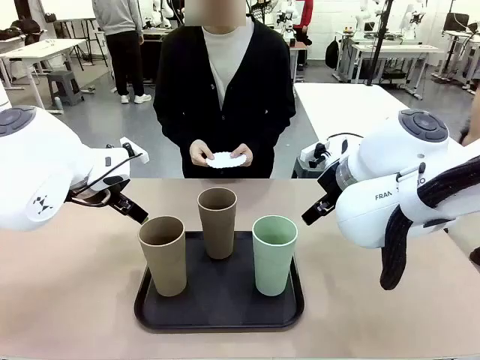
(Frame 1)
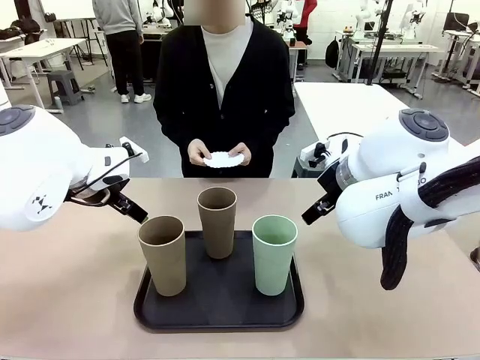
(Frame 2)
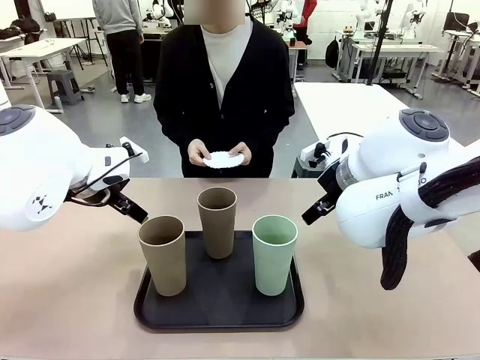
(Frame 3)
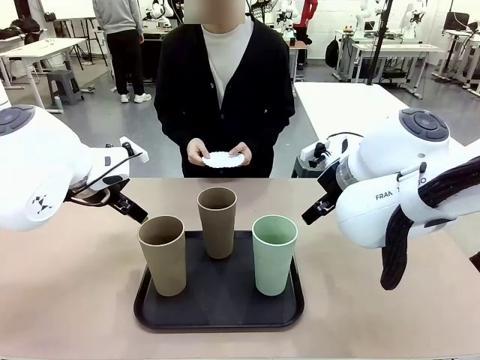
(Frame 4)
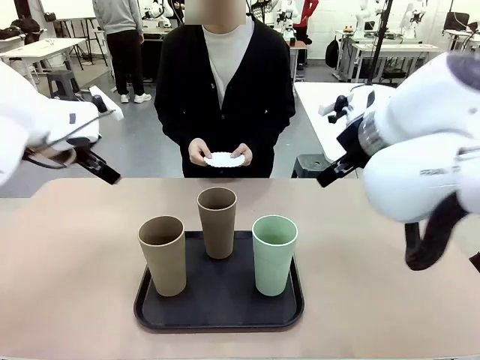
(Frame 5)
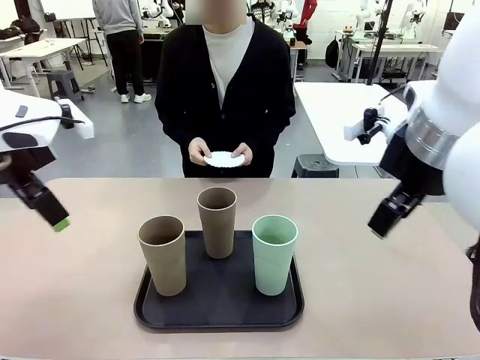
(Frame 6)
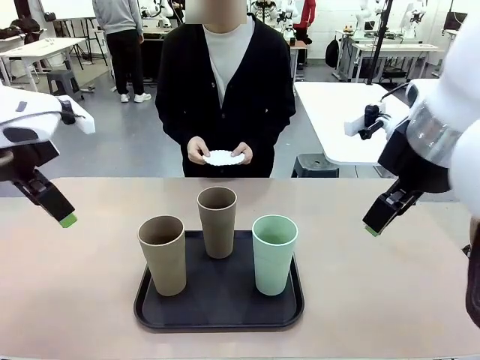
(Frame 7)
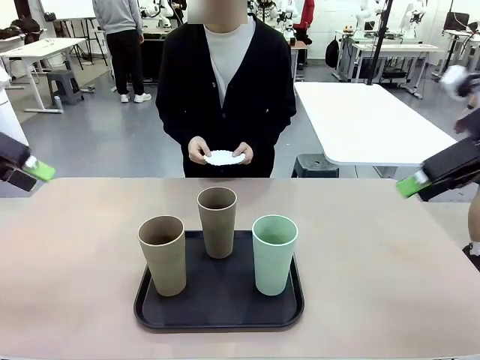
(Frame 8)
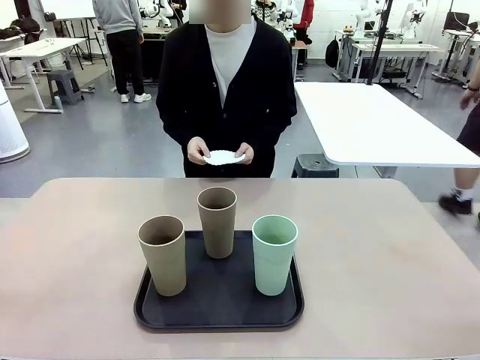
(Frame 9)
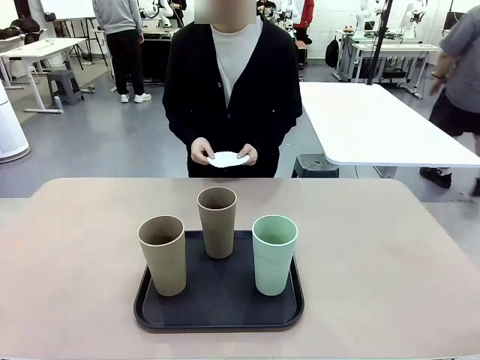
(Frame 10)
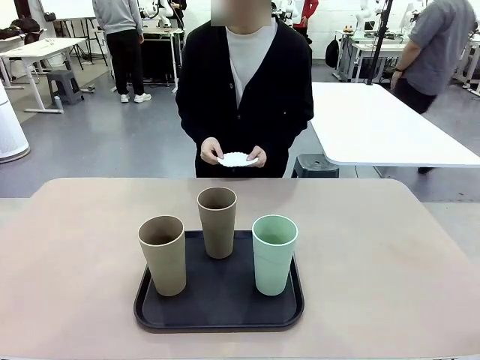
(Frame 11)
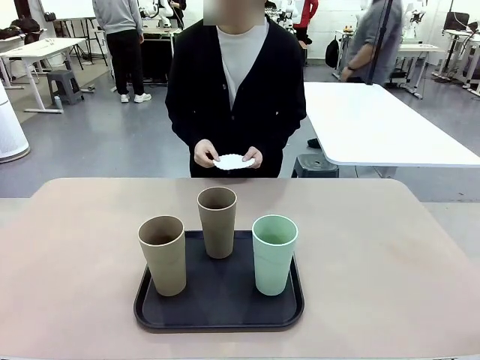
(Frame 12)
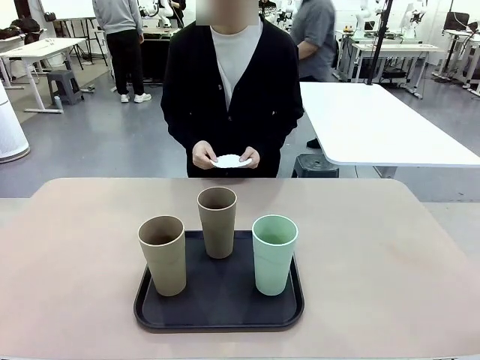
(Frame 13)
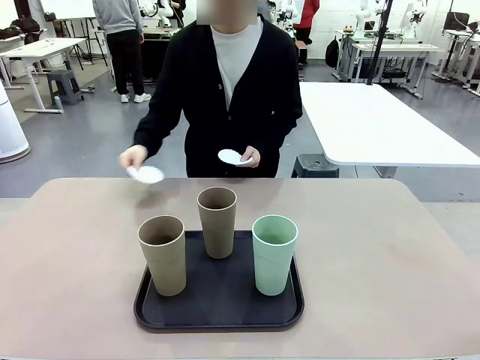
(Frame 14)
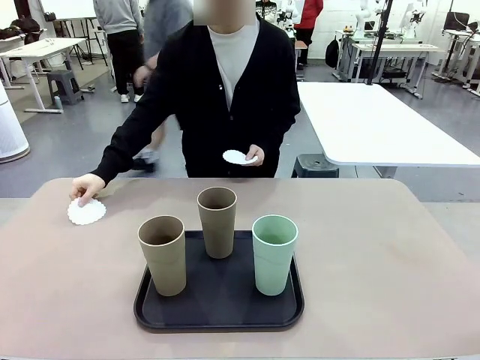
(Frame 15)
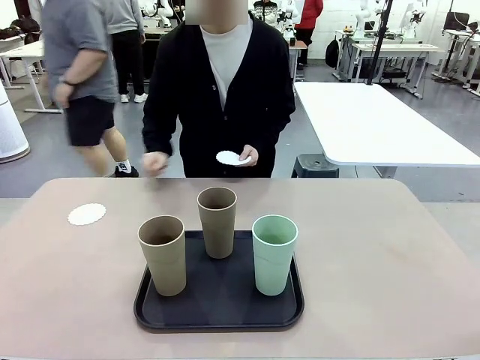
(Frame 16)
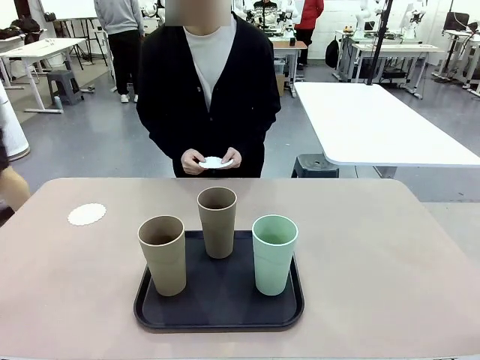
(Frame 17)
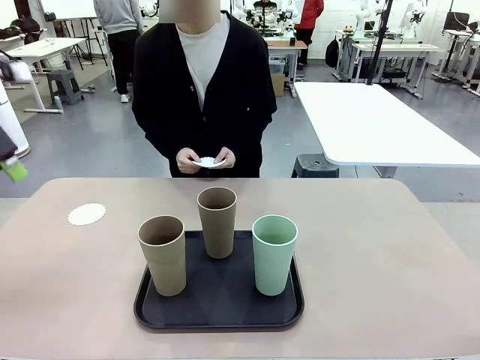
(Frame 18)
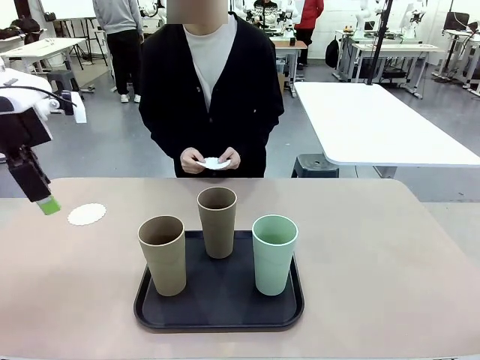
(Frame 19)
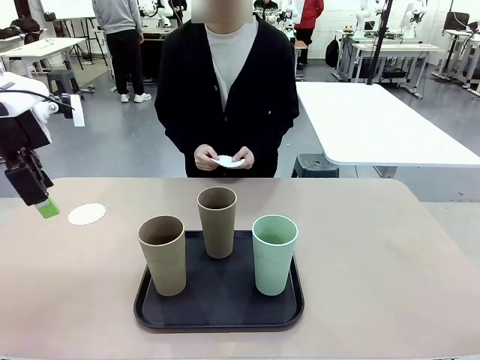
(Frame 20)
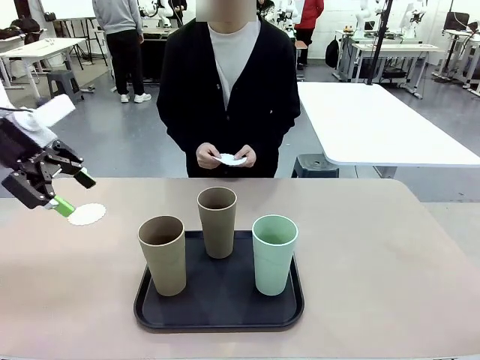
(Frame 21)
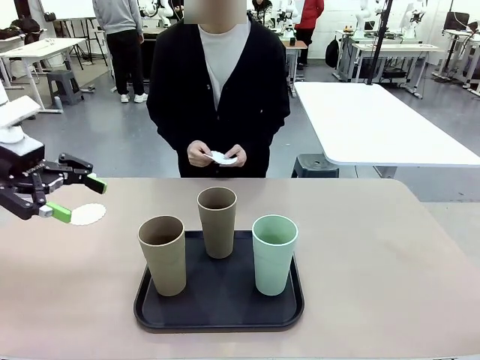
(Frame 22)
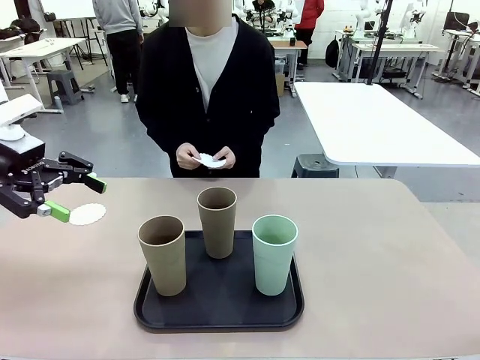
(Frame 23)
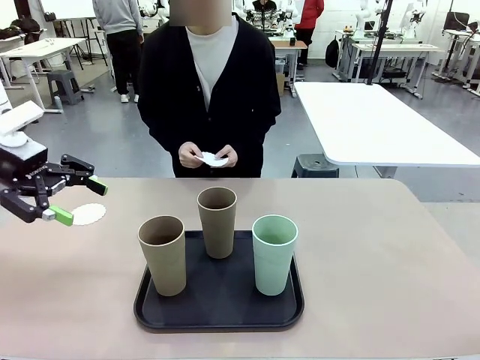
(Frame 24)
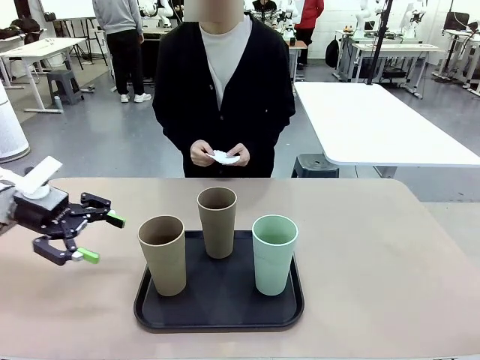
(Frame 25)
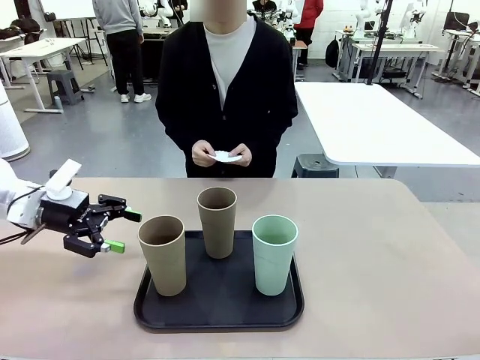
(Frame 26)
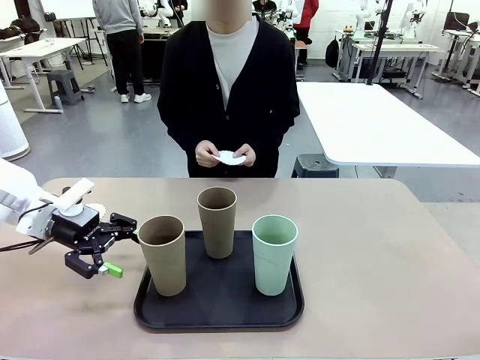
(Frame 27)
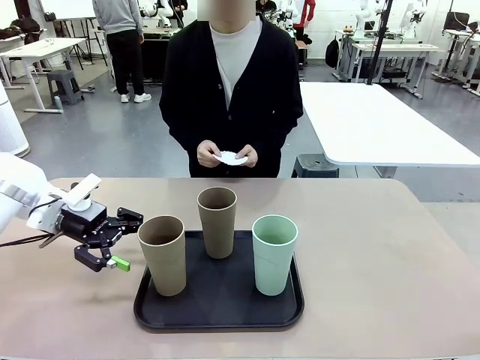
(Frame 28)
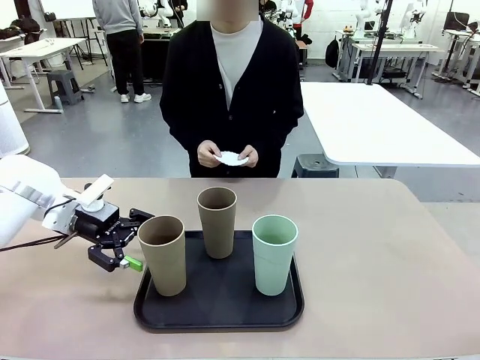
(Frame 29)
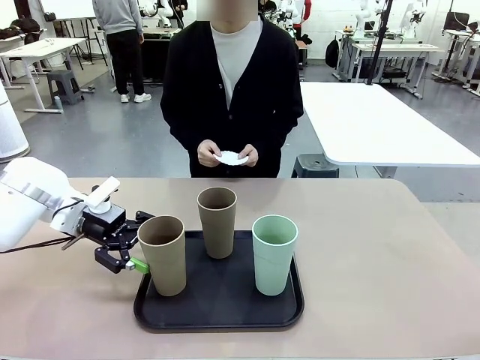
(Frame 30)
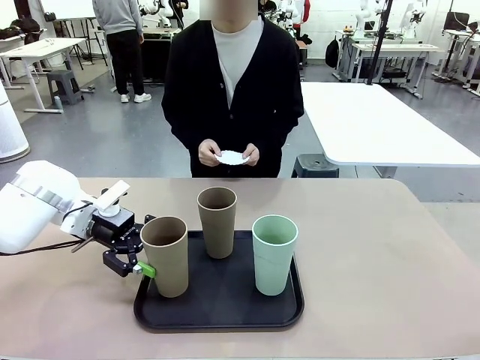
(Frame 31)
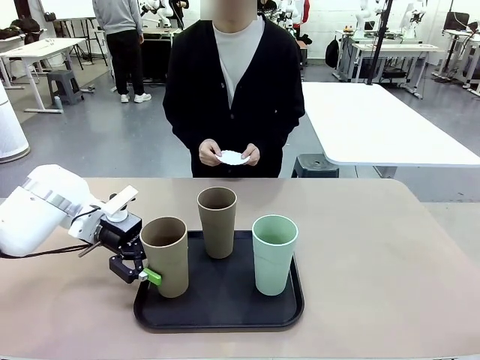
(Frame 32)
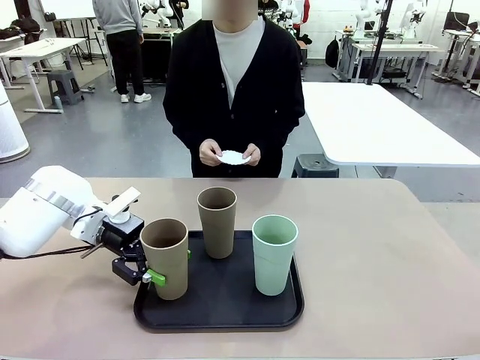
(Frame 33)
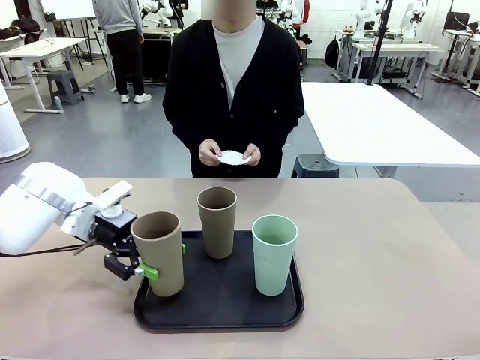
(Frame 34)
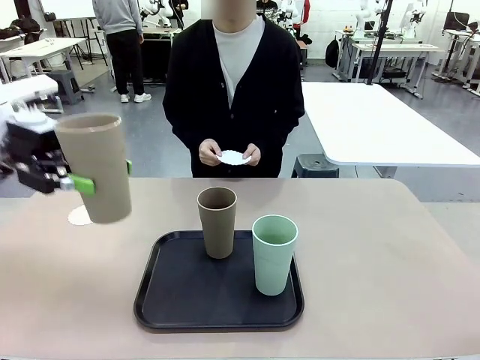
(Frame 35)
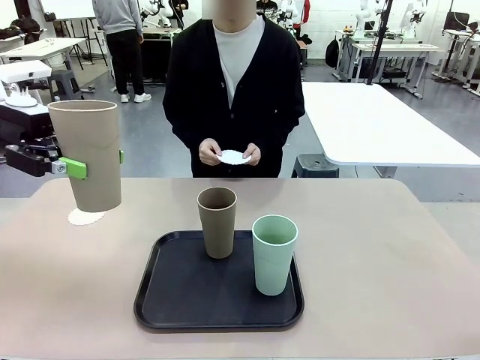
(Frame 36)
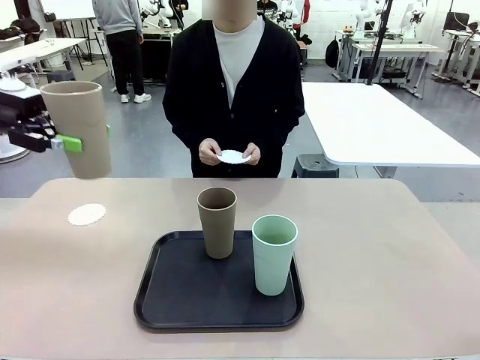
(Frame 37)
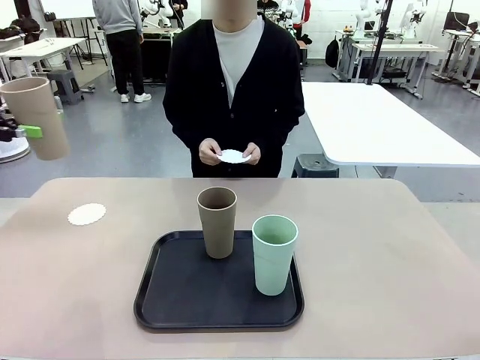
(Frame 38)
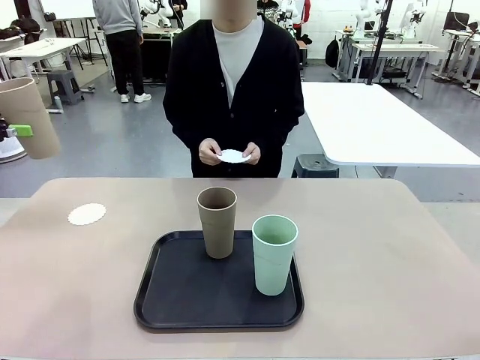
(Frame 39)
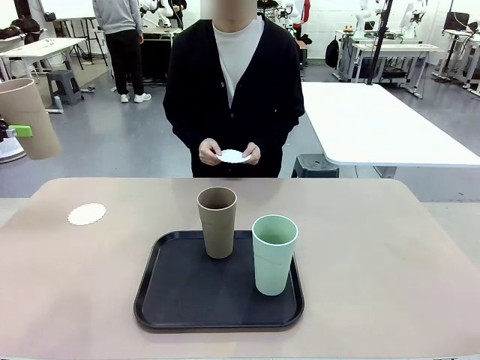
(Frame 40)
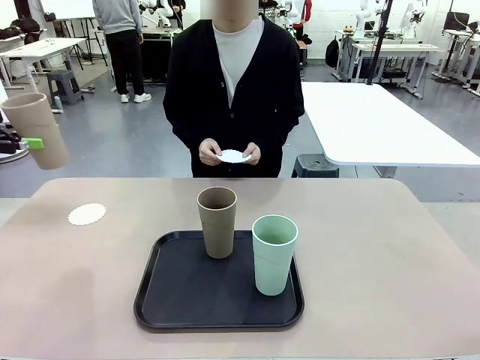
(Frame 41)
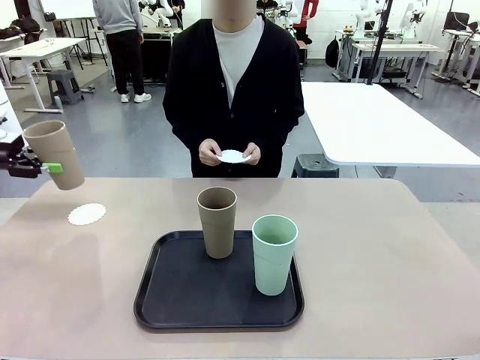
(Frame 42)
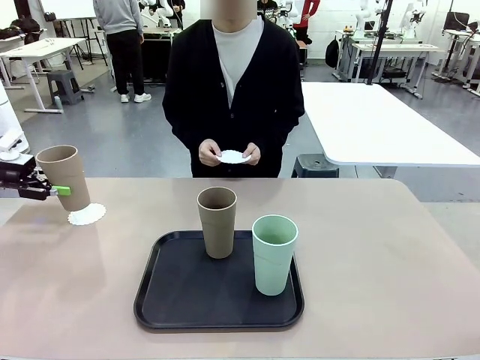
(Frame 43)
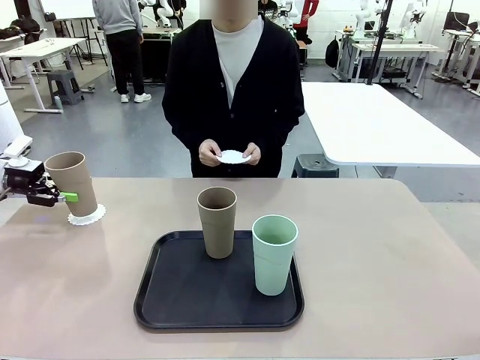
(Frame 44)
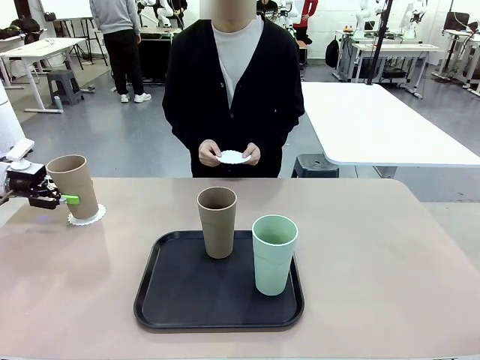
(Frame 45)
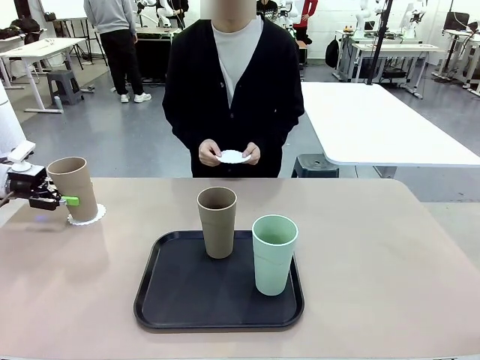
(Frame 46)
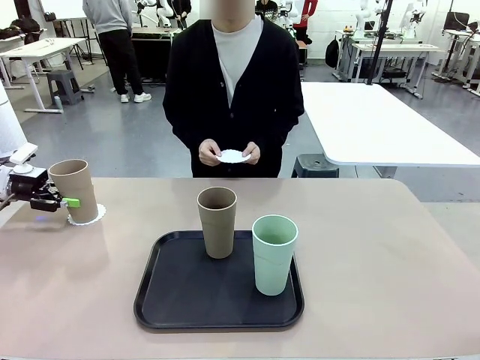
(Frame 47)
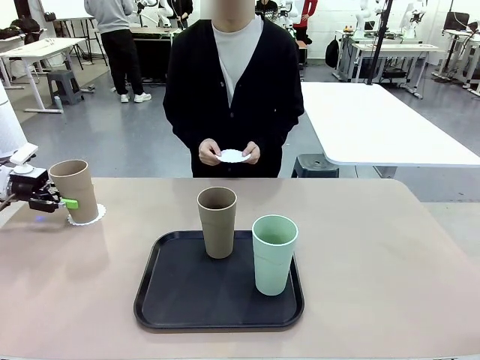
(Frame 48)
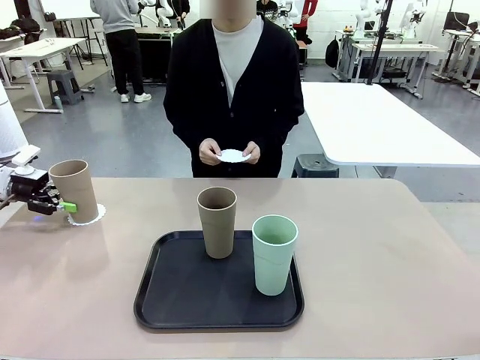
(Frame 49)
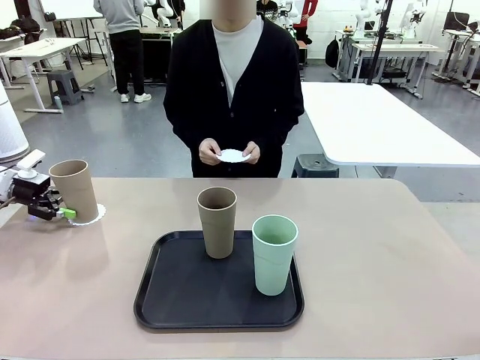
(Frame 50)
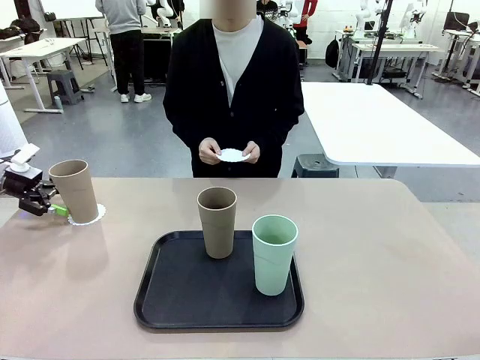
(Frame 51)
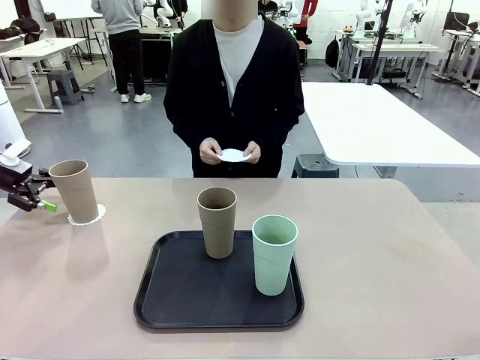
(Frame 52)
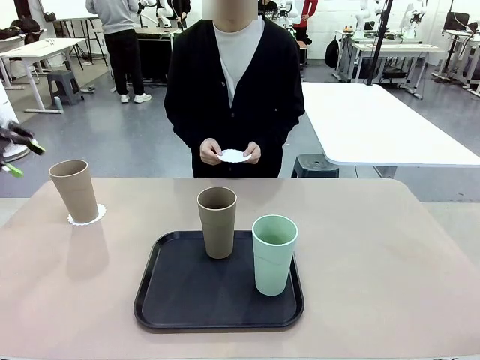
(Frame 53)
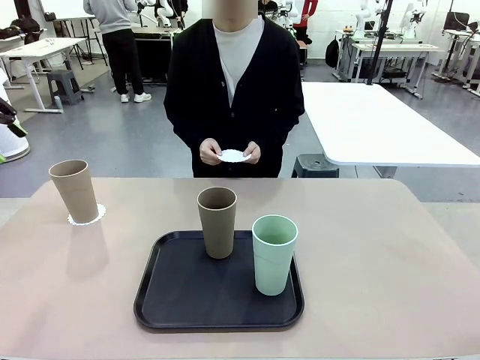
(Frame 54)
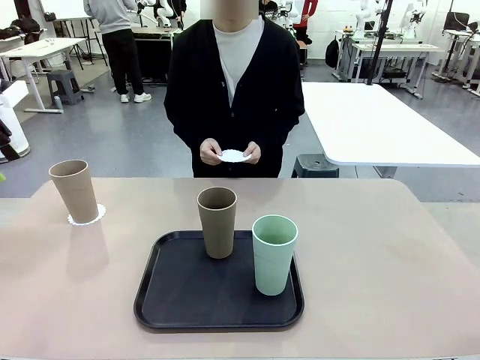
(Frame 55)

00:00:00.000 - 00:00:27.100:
Task: Place coasters on the table and set cups on them.
Robot: Pick up one Reusable plastic cup and place it on a coaster set by the human.
Person: Place one coaster in any one of the three lower areas of the robot table (left, center, or right). Place one coaster in one of the two areas excluding the previously selected area.
